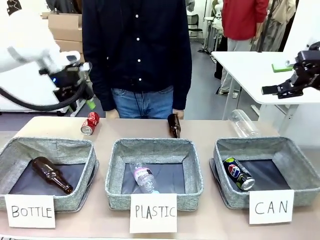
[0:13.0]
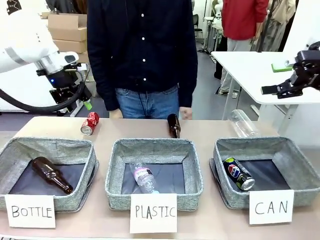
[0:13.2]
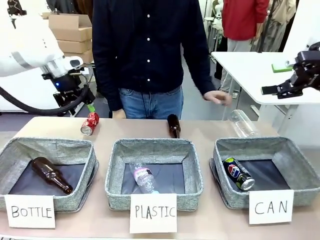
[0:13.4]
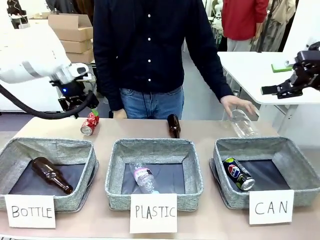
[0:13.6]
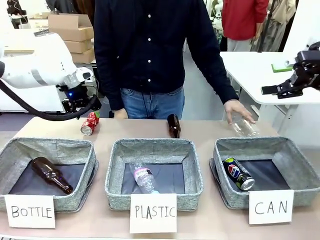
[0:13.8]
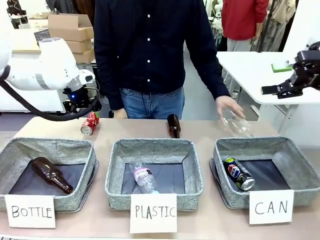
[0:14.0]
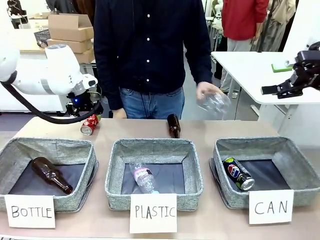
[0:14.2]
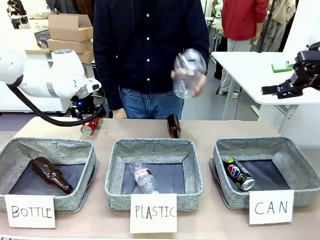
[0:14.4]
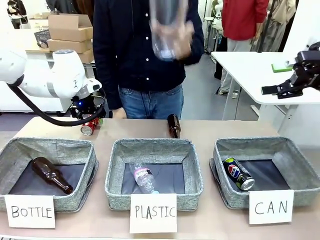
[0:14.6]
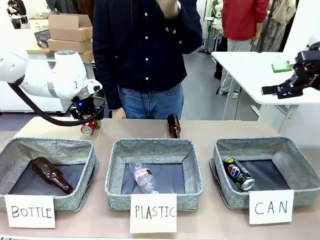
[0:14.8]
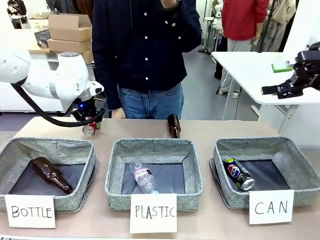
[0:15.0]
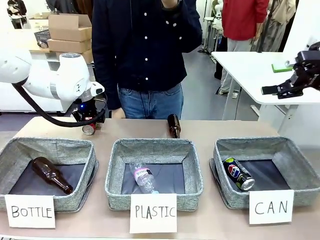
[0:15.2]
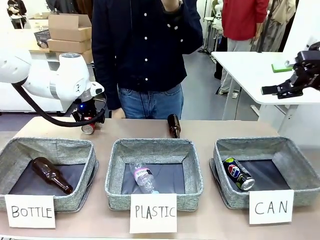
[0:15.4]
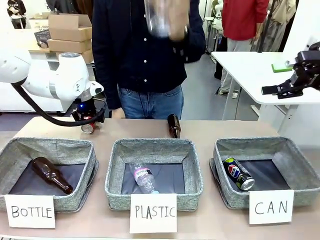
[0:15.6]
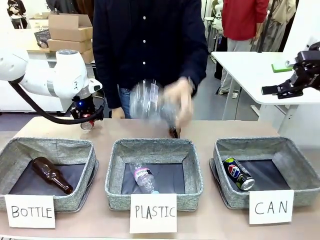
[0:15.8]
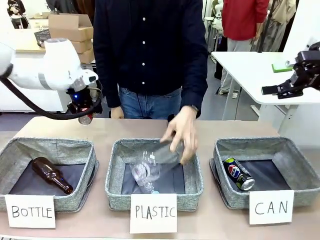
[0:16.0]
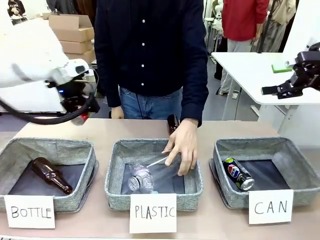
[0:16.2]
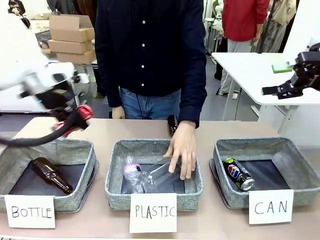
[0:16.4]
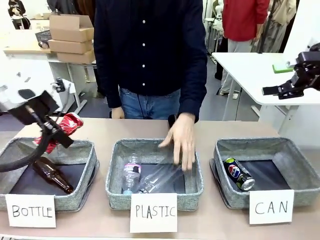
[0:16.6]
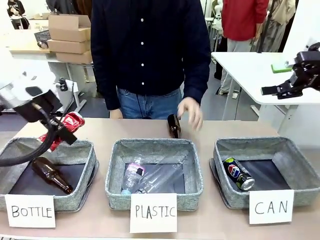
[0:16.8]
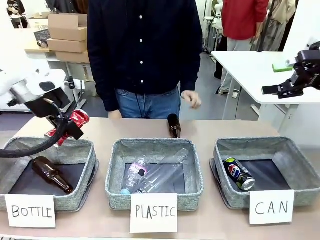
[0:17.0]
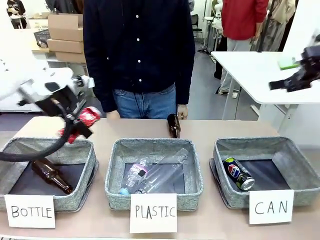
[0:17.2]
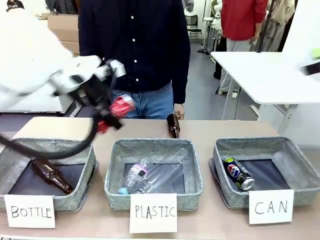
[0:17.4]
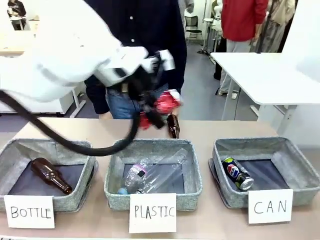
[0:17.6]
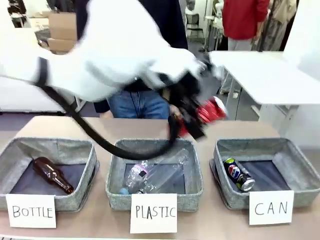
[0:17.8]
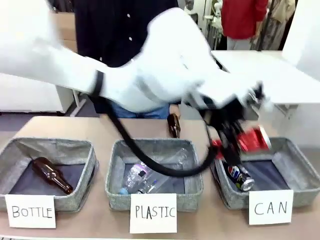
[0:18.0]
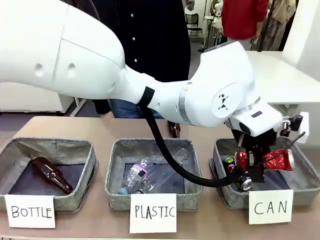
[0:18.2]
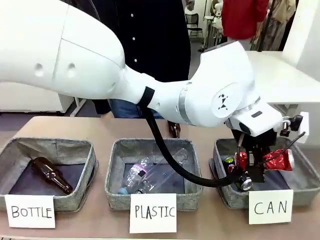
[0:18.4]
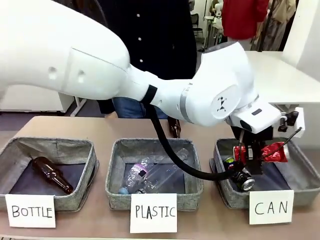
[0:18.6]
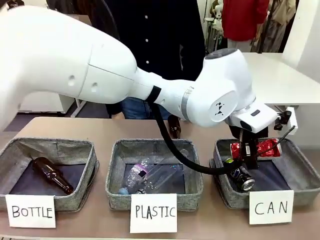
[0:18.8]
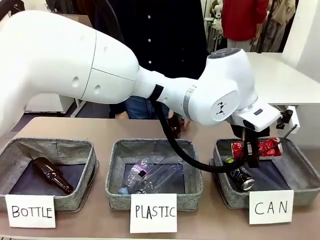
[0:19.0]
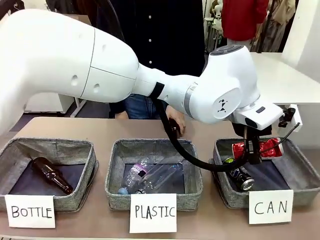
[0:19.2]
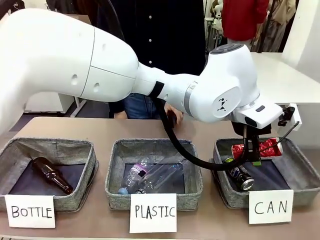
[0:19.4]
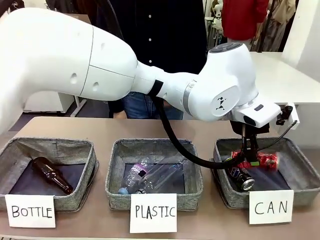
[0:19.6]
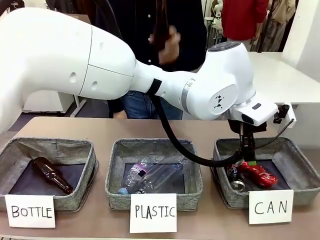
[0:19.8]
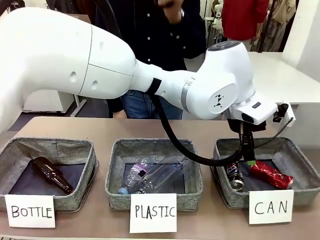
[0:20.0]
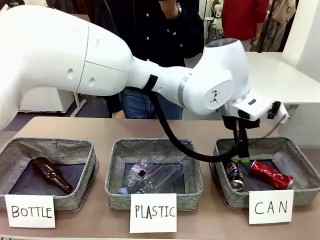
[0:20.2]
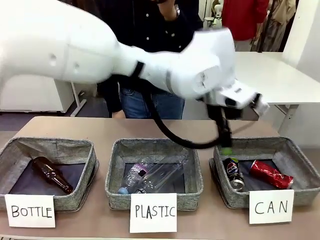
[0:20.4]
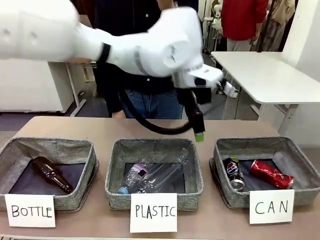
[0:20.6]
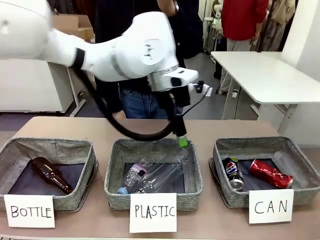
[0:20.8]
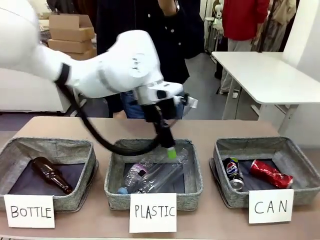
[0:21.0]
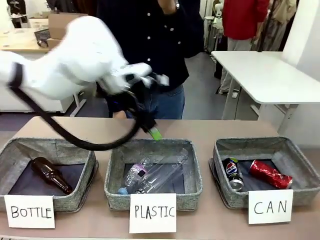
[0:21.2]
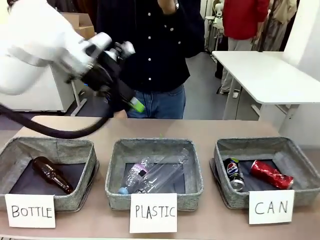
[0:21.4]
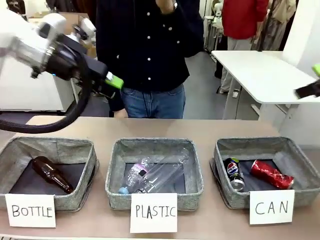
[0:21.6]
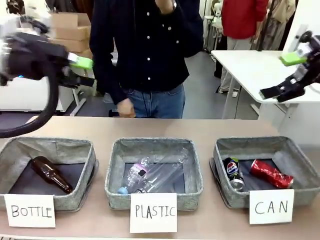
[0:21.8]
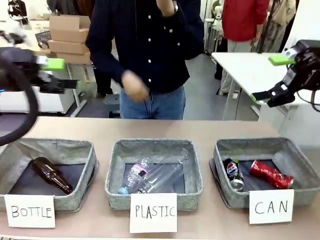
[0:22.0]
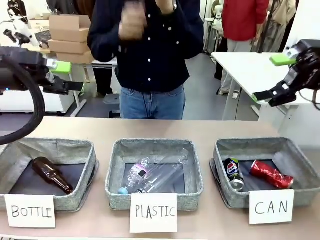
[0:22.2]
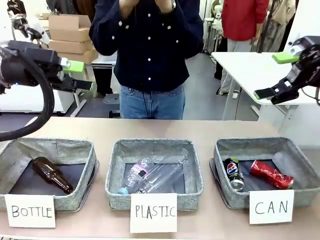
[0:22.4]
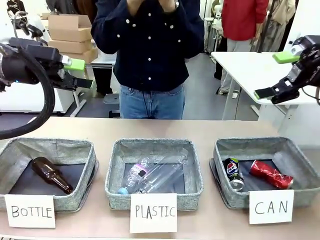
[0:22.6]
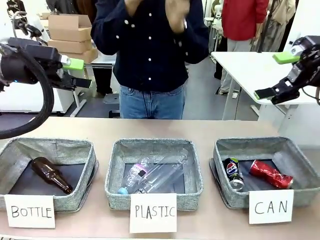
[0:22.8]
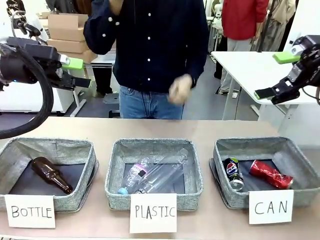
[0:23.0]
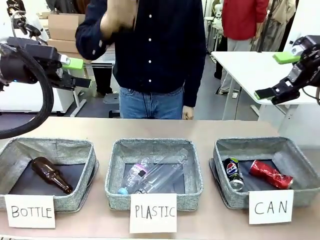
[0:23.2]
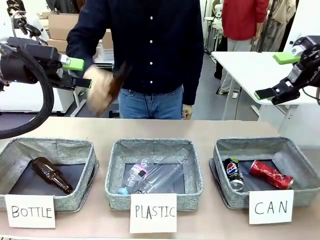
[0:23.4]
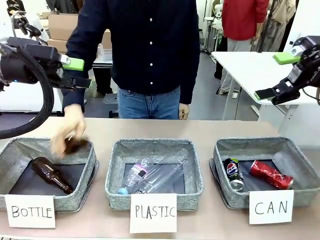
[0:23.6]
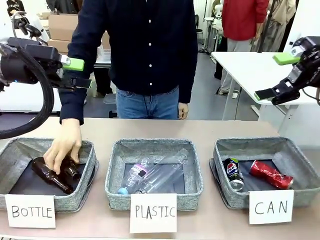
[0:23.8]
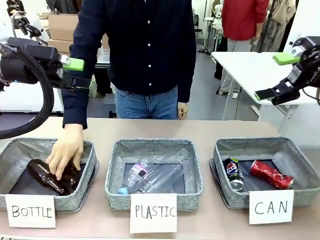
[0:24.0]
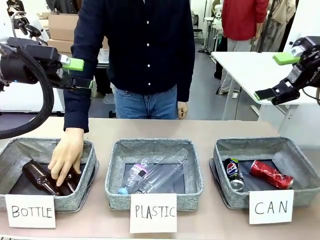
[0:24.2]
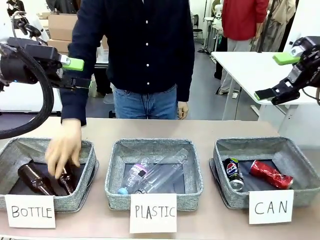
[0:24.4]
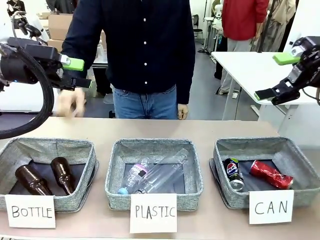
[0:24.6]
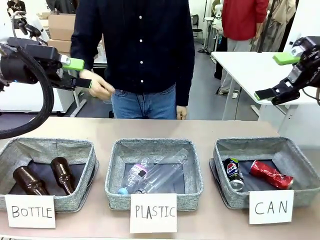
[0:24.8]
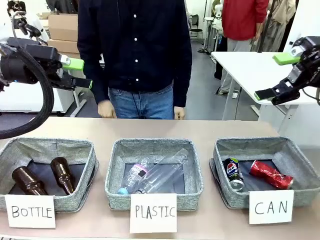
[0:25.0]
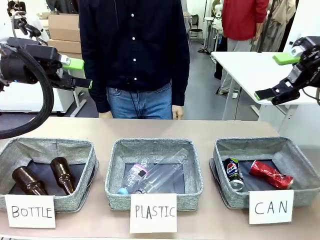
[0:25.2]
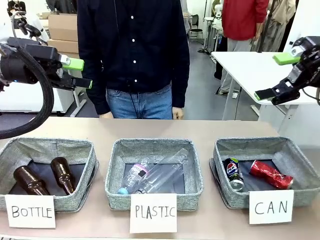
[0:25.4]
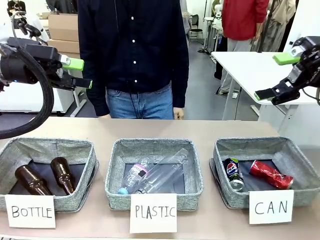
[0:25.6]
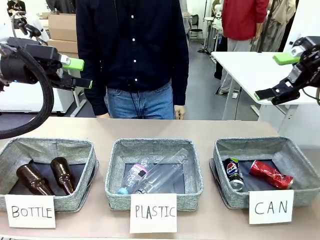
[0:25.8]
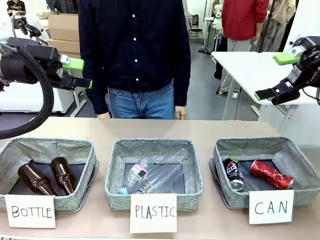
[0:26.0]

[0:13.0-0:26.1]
Task: Sort the can waste into the basket.
Robot: Pick up the can waste from the table and place it in the right Fabric basket.
Person: The human picks up one piece of trash that is not a can and places the trash into the appropriate organizing basket.

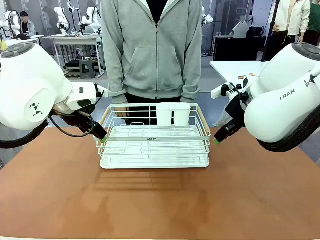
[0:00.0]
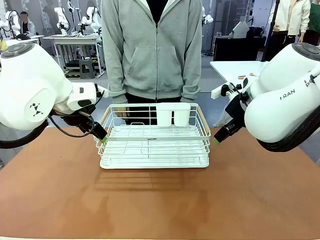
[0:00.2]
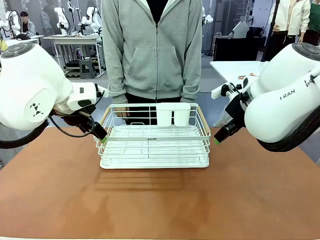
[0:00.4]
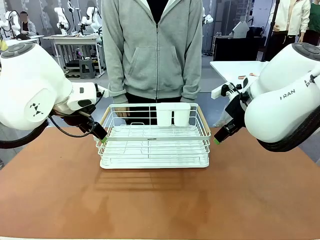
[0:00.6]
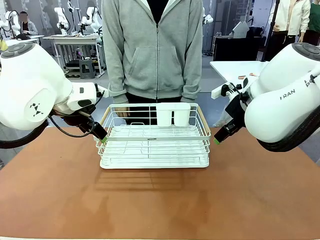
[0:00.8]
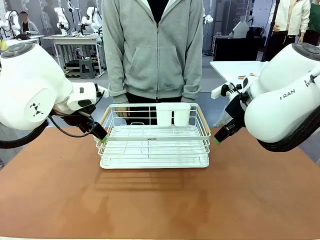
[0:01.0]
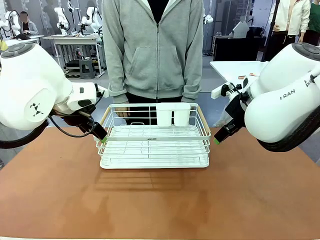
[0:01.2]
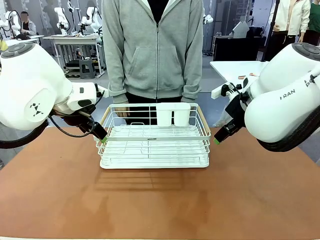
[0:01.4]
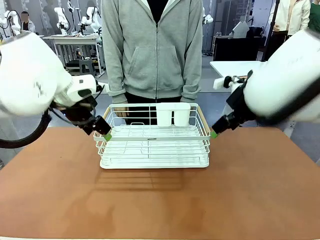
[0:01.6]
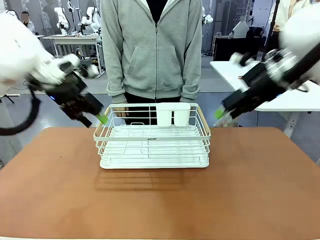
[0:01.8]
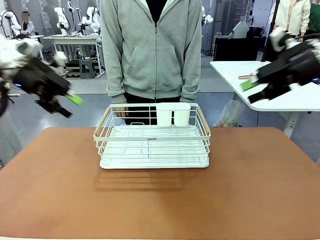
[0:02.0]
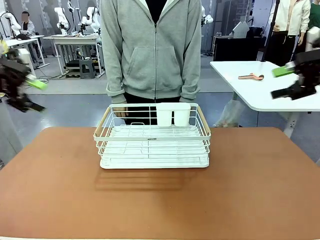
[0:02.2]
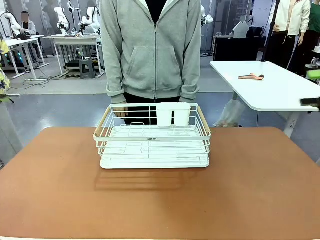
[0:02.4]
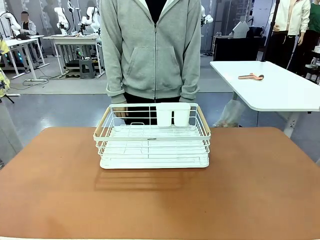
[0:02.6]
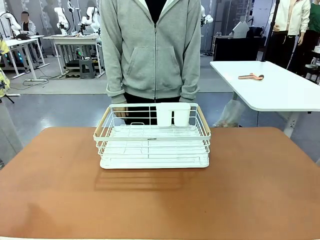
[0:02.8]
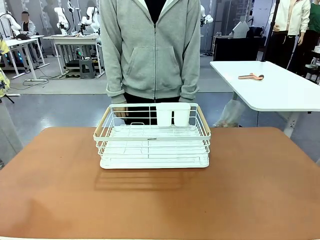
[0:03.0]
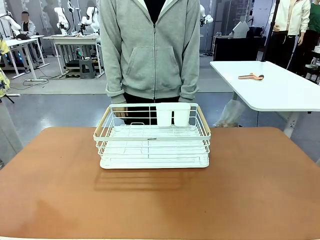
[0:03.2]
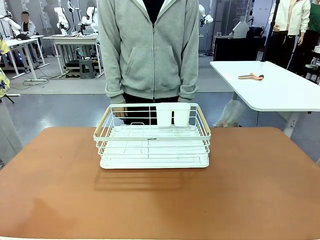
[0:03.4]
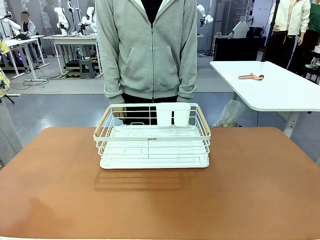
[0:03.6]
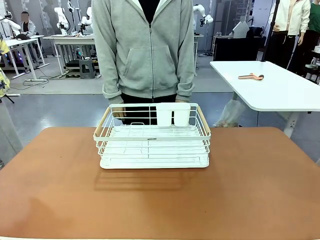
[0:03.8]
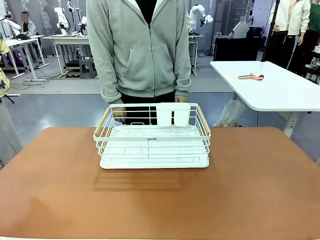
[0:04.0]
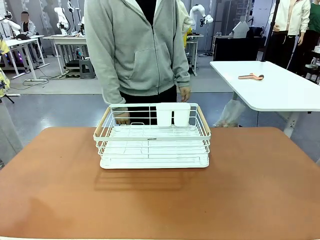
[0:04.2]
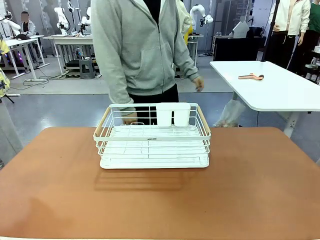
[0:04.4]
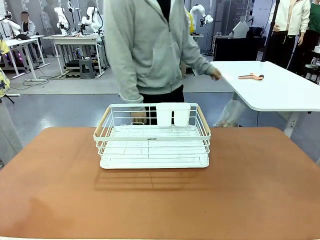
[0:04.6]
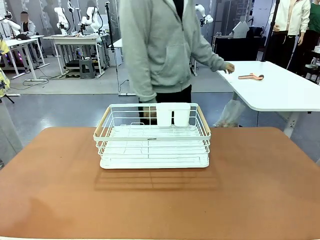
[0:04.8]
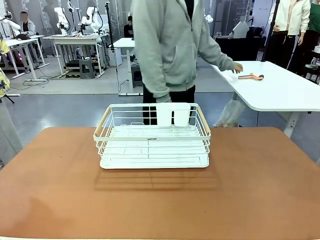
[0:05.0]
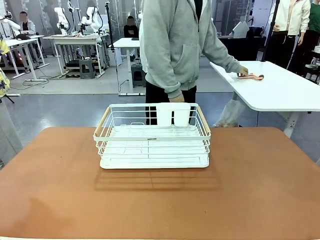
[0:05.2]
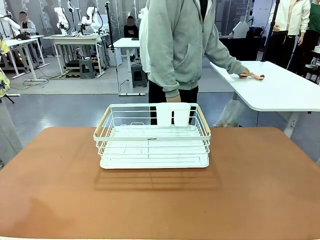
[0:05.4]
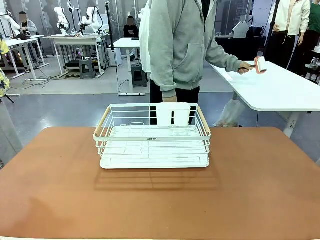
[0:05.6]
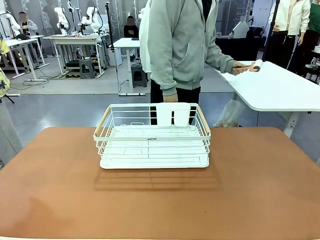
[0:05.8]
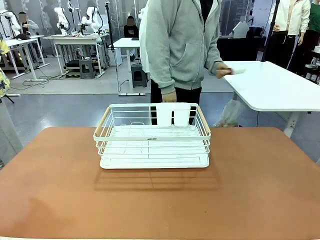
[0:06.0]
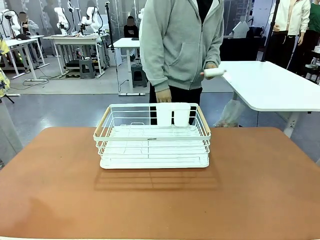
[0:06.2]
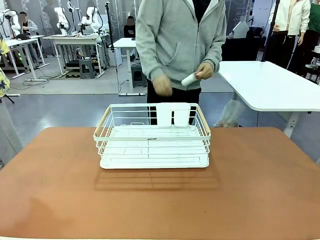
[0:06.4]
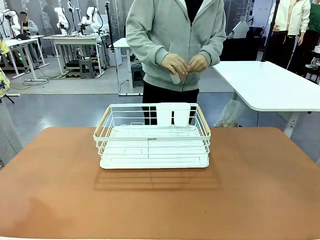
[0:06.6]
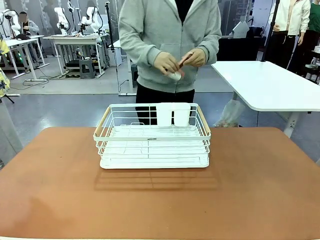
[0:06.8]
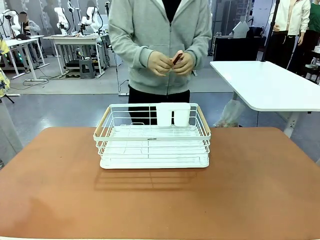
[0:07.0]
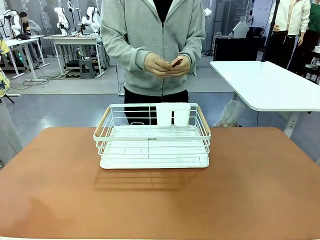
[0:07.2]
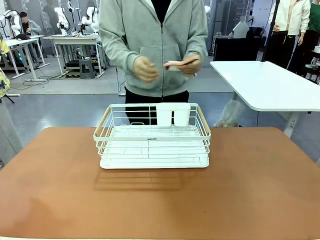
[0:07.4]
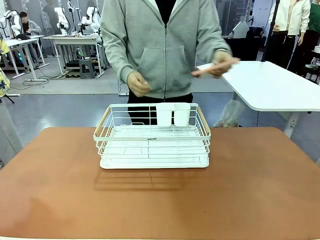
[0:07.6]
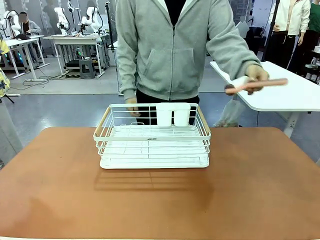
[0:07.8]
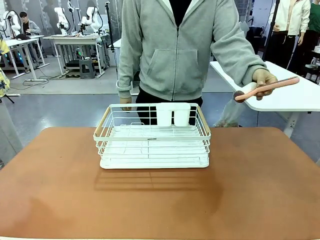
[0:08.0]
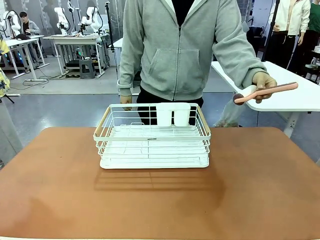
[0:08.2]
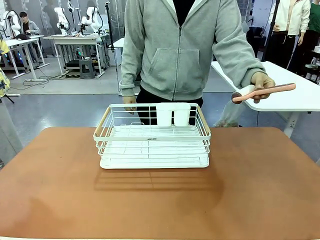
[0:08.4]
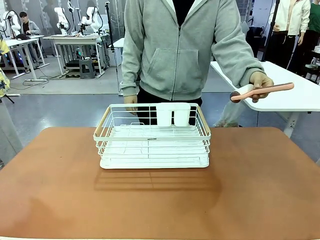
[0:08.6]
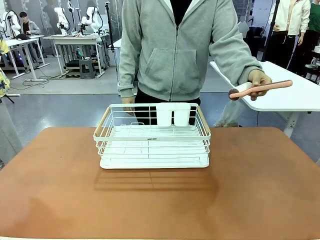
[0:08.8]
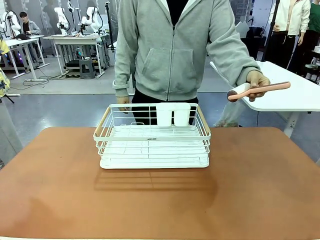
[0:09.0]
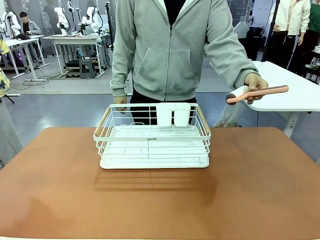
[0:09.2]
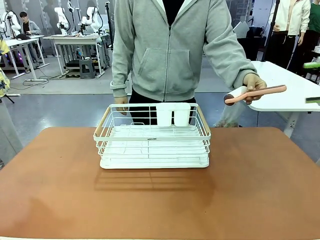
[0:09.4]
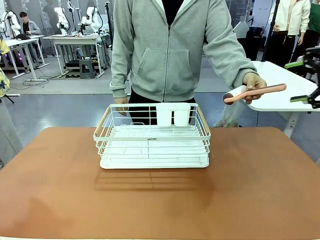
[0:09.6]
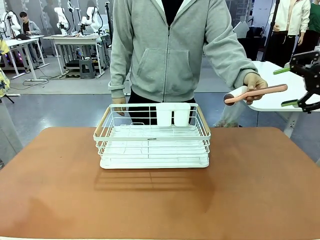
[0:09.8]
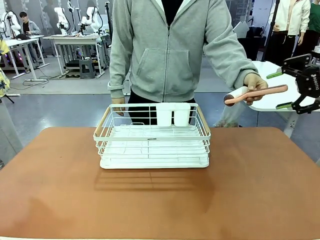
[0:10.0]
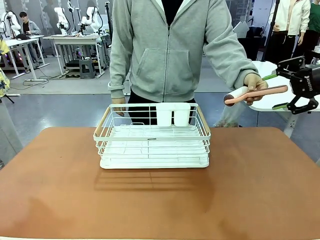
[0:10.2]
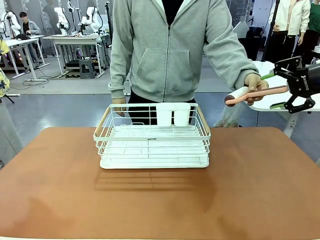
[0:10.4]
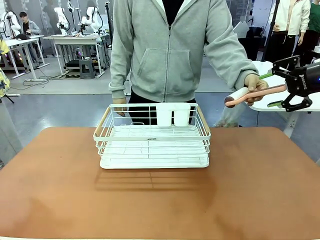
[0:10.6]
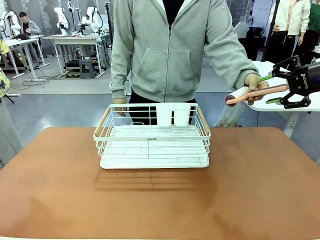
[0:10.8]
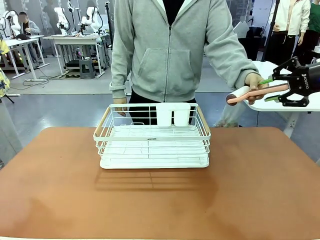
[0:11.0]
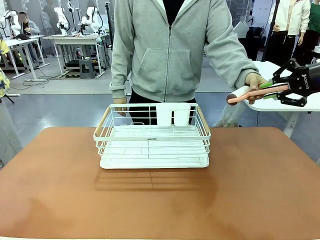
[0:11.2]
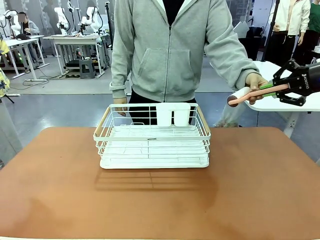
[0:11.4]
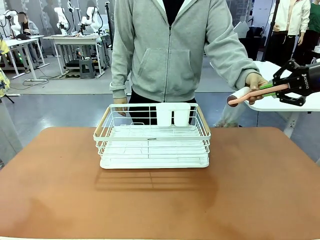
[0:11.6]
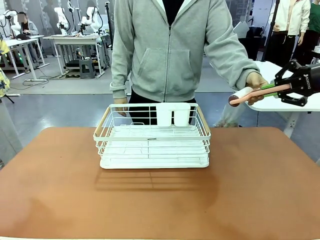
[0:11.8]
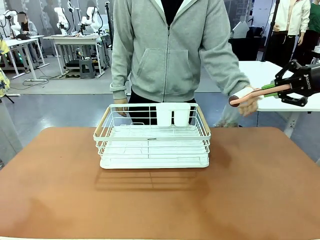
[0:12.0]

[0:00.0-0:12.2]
Task: Clean the table.
Robot: Pick up the Lint Roller when the human hands it over.
Person: Hand the Lint Roller to the robot so it can easily pick it up. Lift the Dish drying rack.
